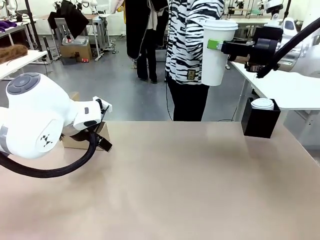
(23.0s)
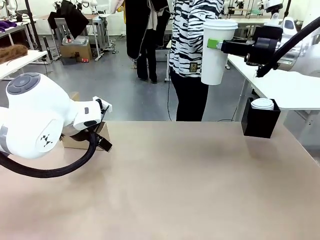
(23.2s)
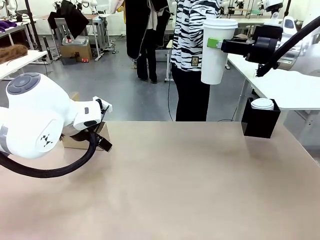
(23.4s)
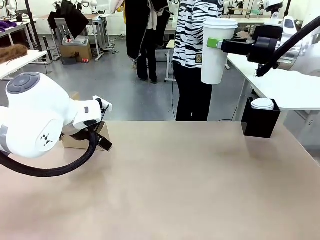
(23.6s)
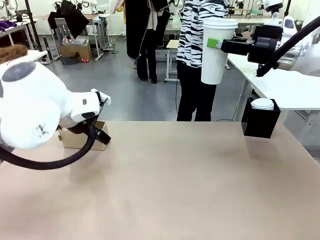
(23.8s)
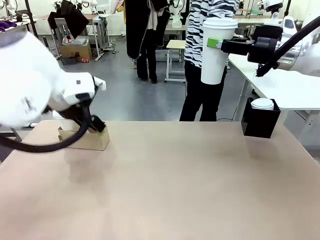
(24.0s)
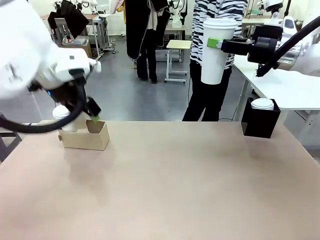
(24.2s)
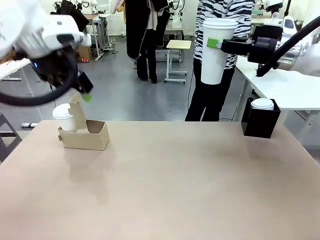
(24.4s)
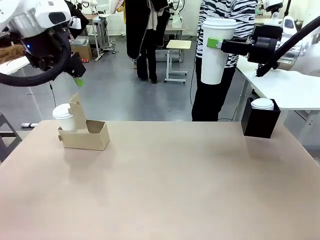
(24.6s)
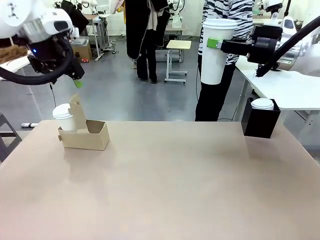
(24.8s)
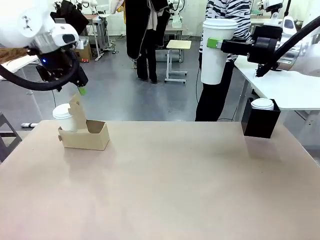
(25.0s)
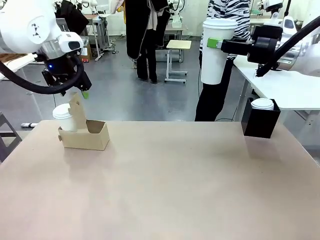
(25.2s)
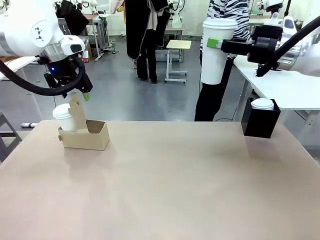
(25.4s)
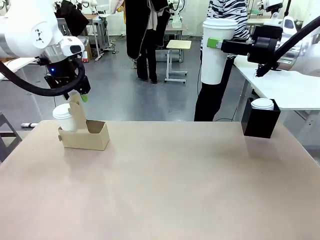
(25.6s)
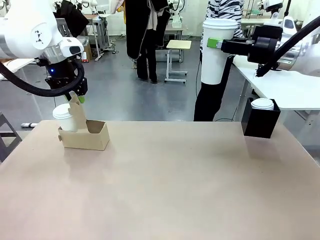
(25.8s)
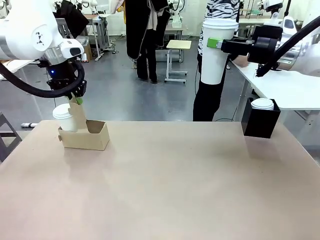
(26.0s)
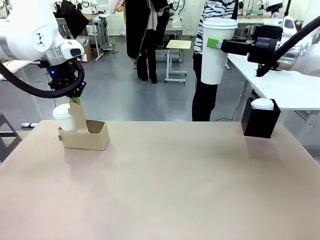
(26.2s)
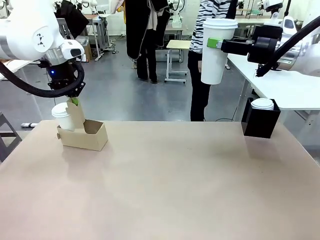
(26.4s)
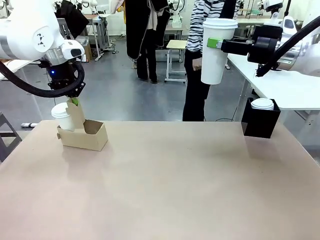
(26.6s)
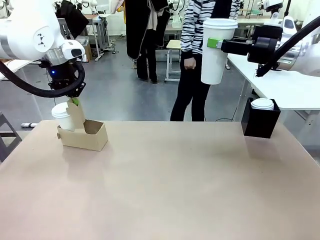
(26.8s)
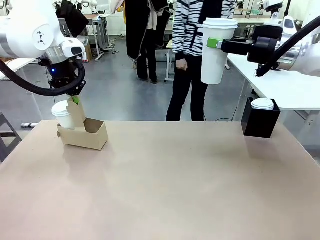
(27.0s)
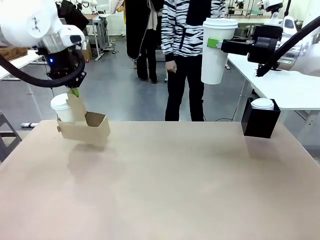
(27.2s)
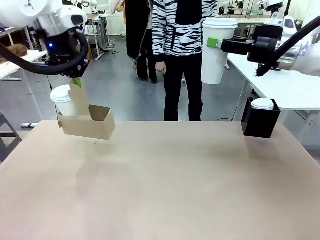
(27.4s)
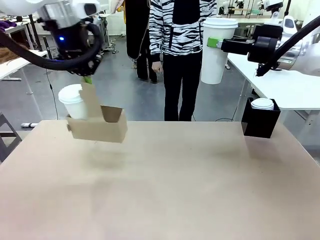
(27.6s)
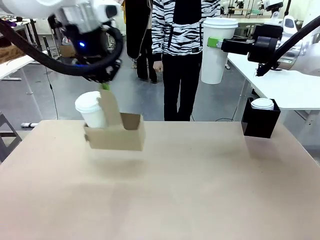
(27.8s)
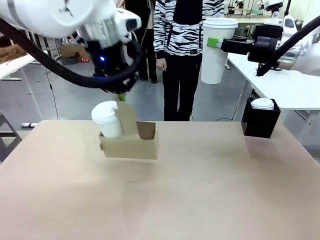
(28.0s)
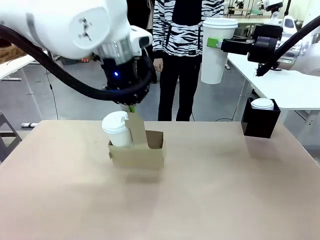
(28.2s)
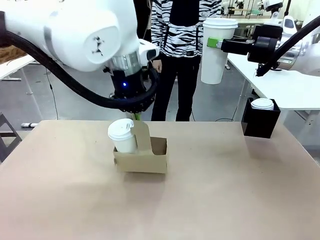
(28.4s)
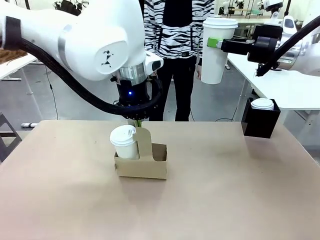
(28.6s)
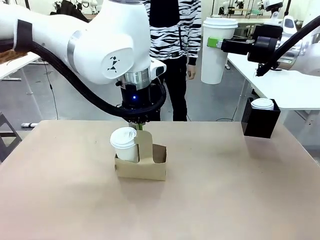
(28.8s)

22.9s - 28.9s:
Task: Pour a drink into a cup and package it in a carrier.
Robot: Position the Cup Carrier in the center of the table.

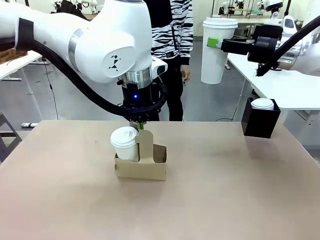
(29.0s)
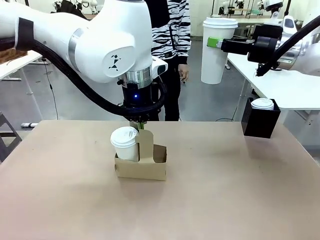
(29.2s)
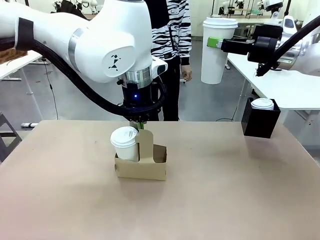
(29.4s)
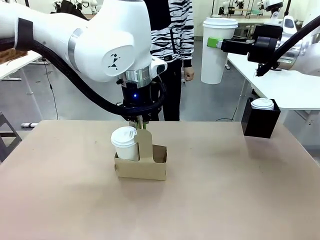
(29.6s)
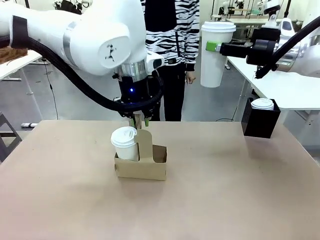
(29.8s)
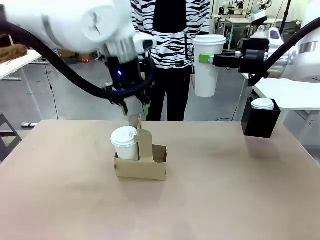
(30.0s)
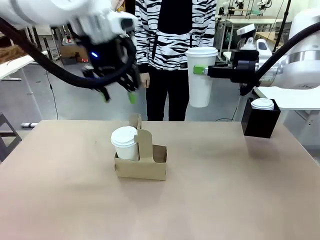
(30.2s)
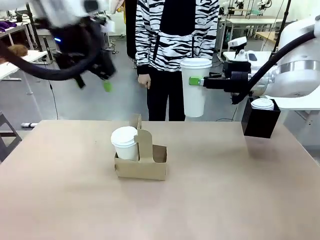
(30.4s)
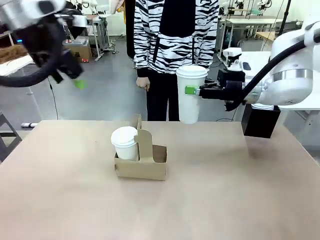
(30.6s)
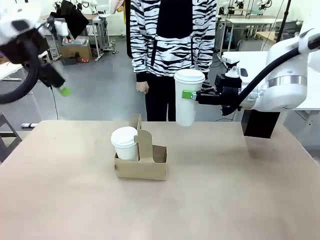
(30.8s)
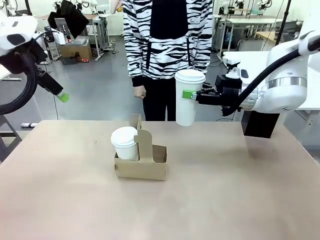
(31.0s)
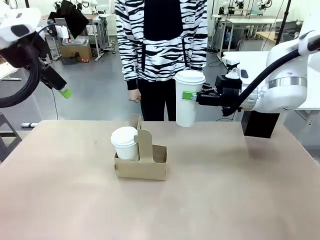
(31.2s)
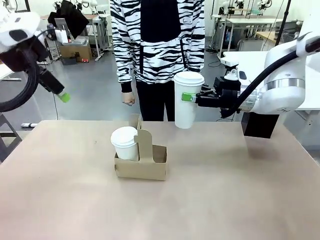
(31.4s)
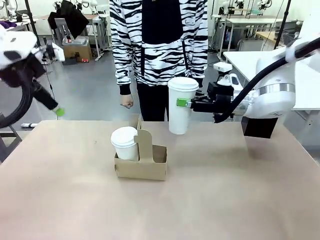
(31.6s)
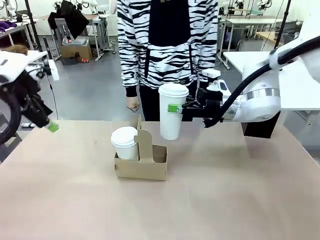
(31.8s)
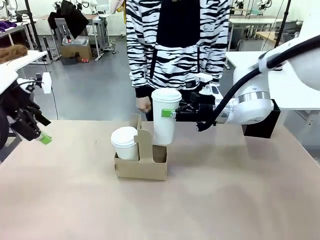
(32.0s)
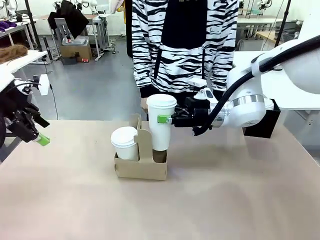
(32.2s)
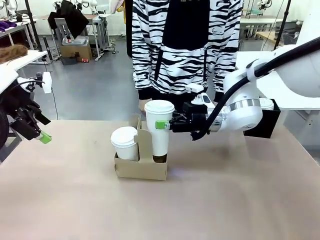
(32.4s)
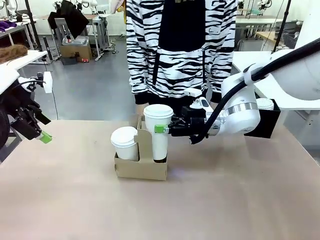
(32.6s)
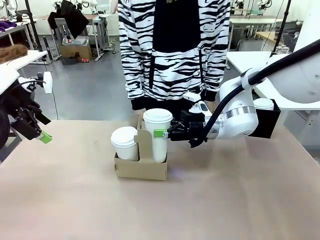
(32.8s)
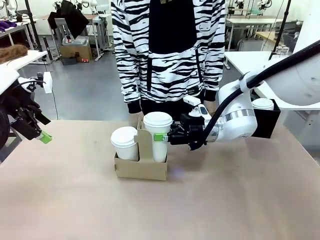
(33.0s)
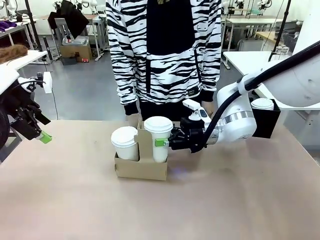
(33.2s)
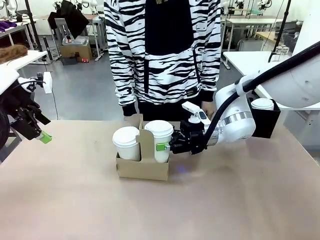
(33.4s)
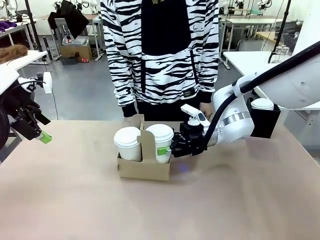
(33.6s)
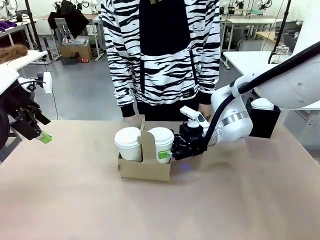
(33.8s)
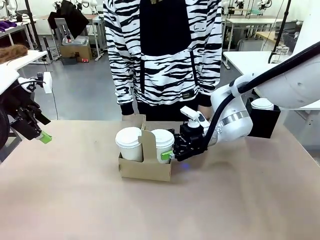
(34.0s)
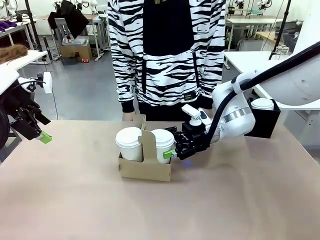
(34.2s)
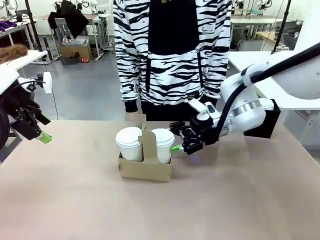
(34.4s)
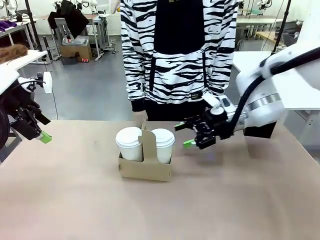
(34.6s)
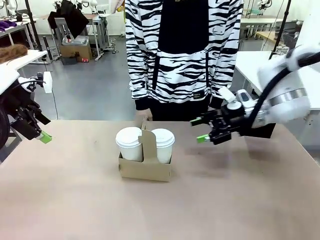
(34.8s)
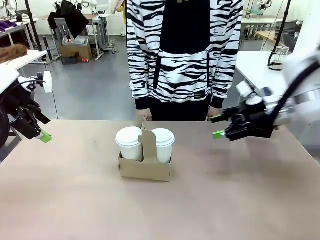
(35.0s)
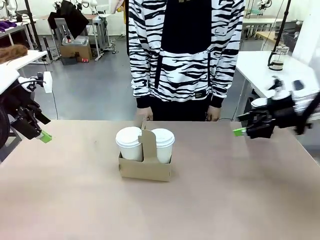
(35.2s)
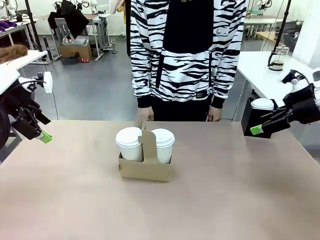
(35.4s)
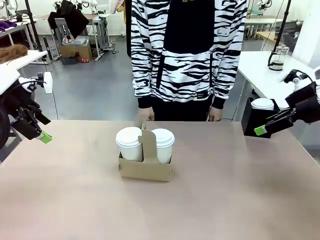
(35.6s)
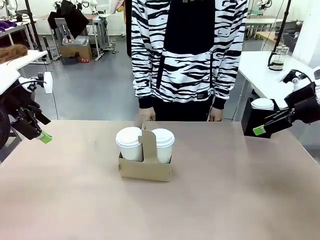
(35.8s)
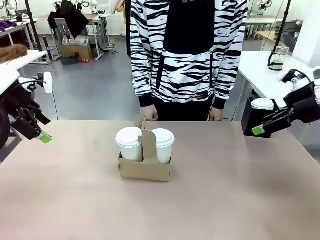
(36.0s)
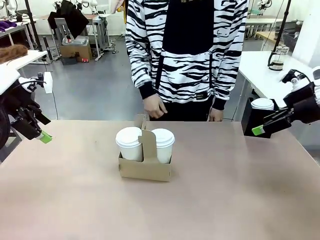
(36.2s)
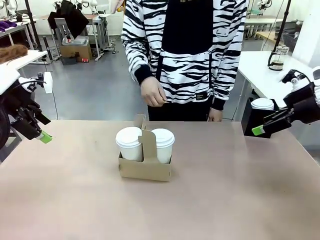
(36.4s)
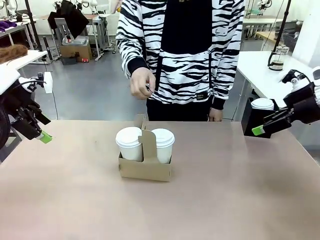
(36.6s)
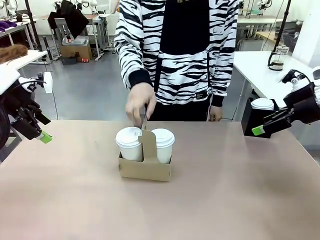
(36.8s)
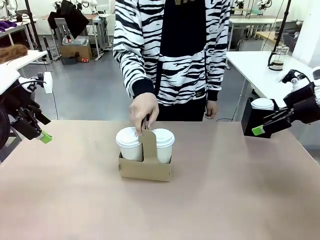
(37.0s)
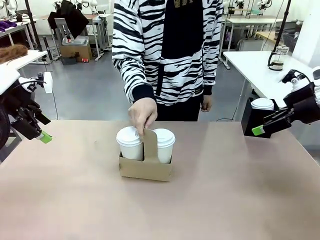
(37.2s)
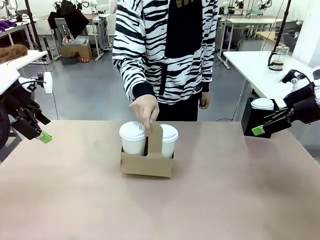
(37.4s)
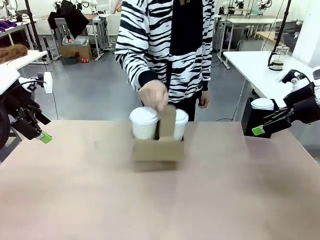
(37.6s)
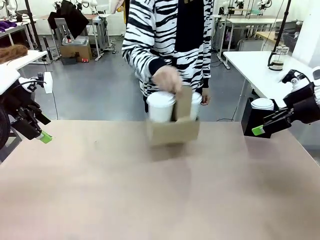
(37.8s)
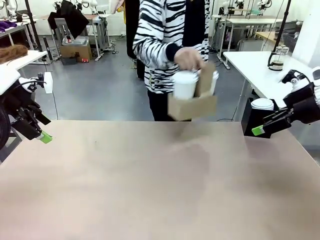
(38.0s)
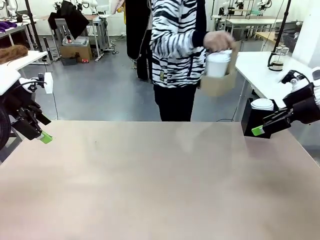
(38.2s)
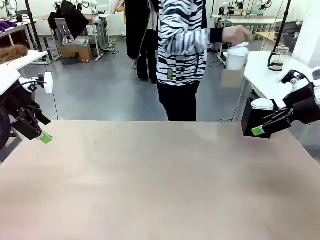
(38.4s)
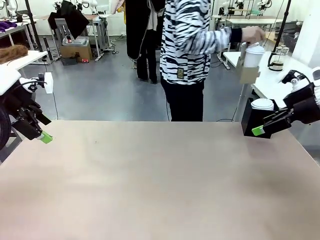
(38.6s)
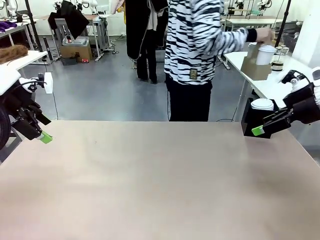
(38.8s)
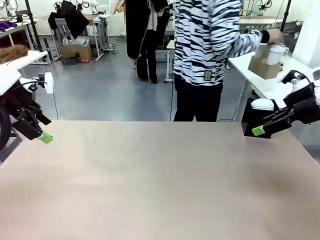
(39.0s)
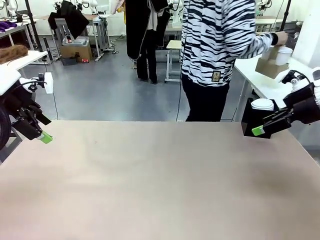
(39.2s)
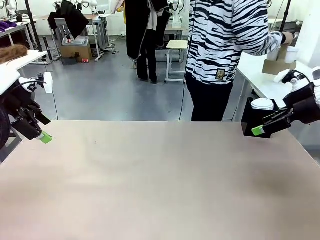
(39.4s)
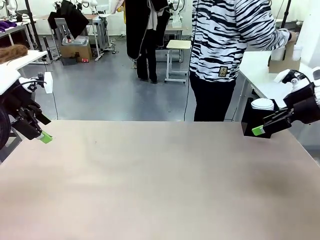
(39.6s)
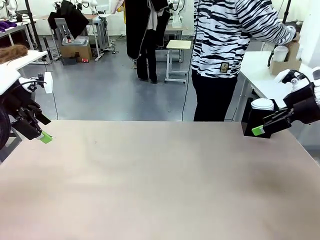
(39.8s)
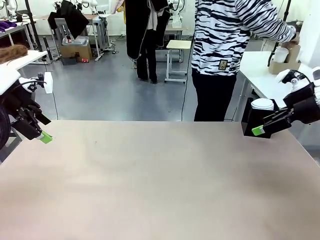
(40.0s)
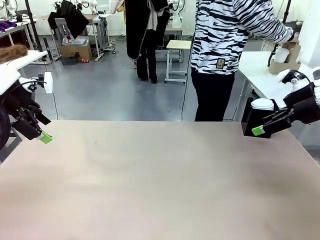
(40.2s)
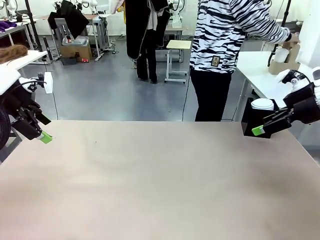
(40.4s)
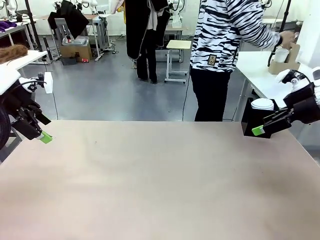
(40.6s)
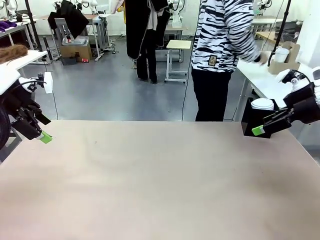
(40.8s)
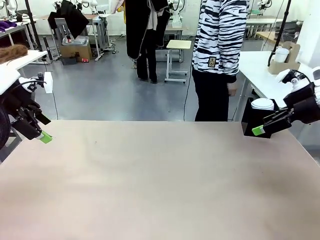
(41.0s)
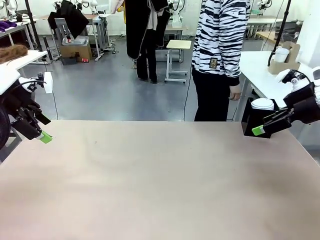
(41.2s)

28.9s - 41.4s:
Robot: Insert the held 600 ml Paper Cup into the Cup Carrier.
Person: Place the Cup Carrier to the middle of Human table.
